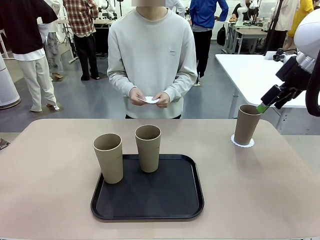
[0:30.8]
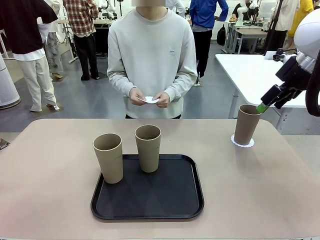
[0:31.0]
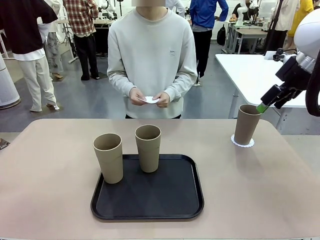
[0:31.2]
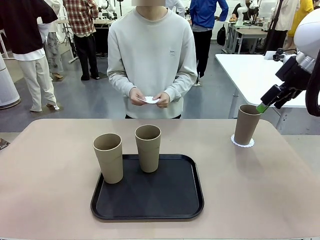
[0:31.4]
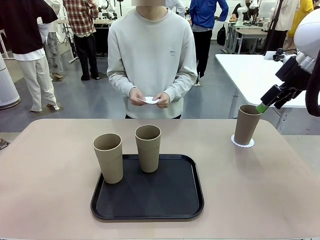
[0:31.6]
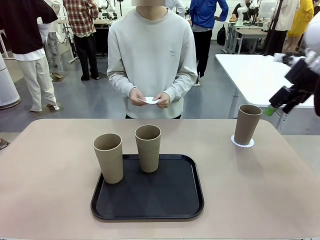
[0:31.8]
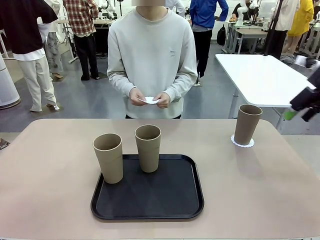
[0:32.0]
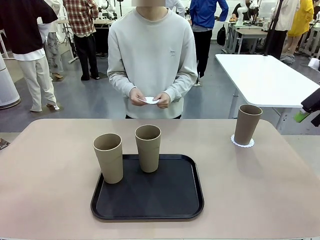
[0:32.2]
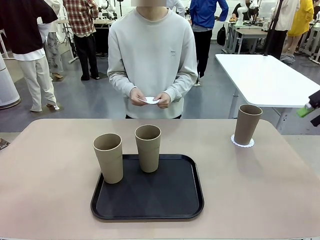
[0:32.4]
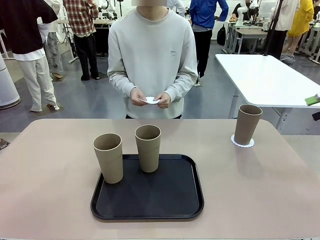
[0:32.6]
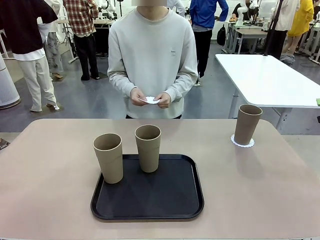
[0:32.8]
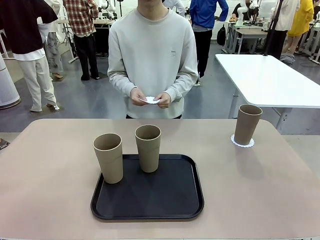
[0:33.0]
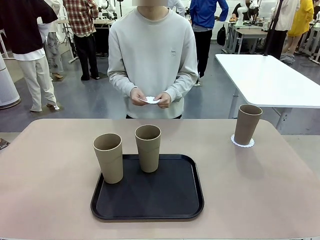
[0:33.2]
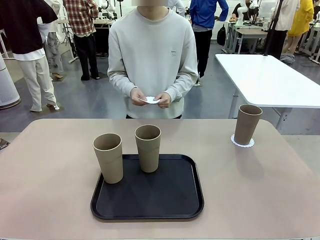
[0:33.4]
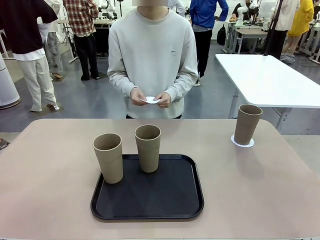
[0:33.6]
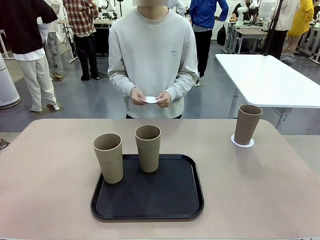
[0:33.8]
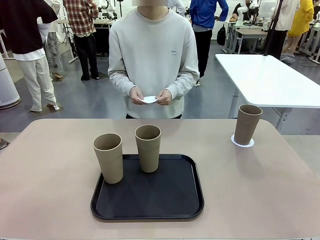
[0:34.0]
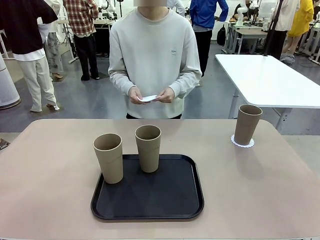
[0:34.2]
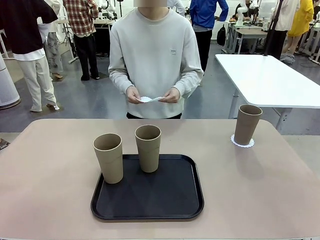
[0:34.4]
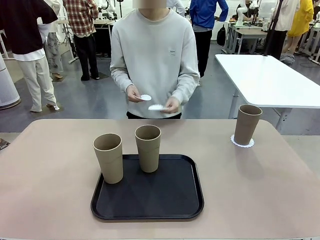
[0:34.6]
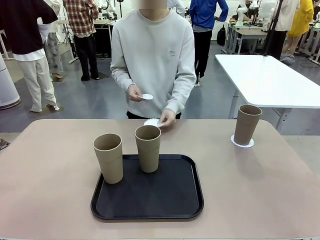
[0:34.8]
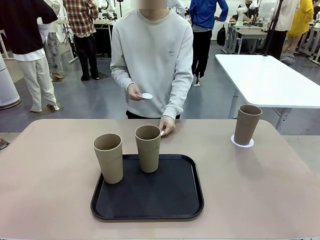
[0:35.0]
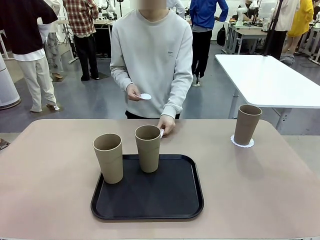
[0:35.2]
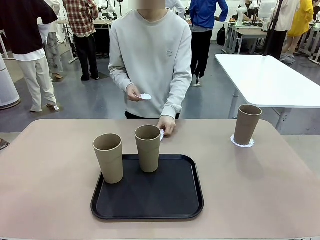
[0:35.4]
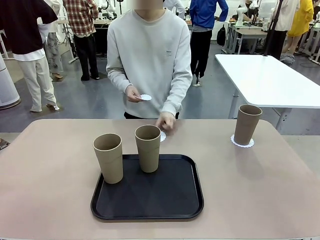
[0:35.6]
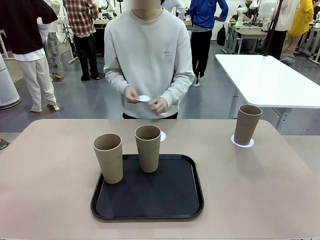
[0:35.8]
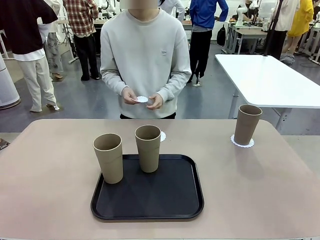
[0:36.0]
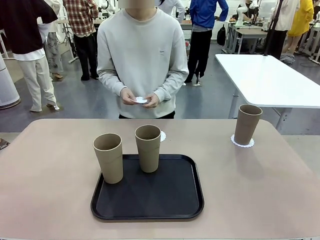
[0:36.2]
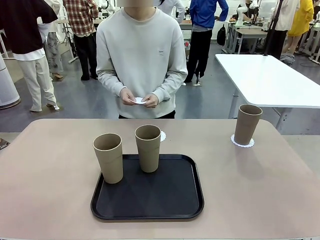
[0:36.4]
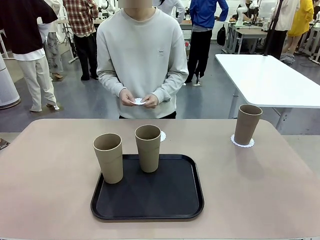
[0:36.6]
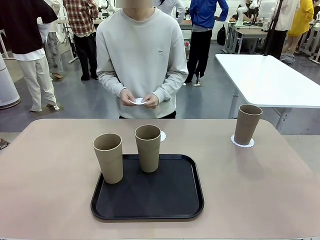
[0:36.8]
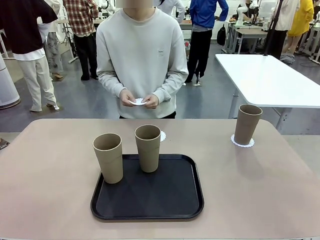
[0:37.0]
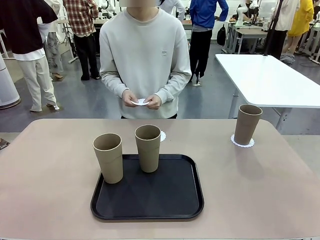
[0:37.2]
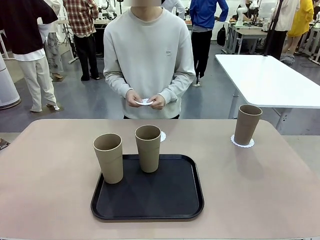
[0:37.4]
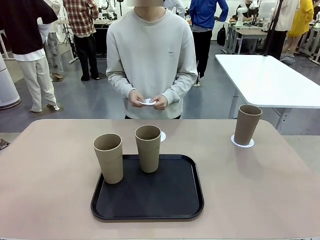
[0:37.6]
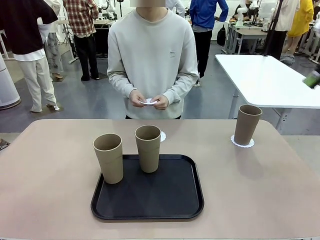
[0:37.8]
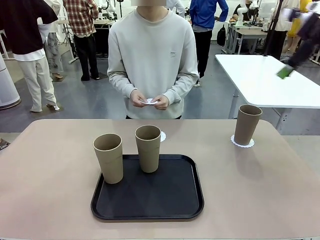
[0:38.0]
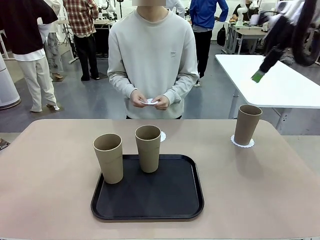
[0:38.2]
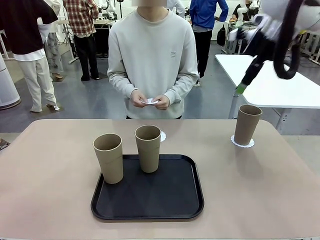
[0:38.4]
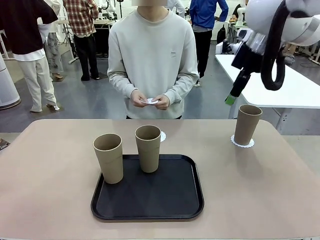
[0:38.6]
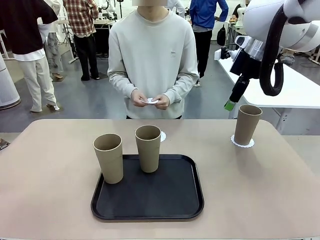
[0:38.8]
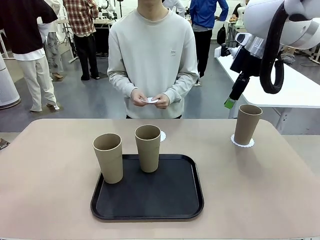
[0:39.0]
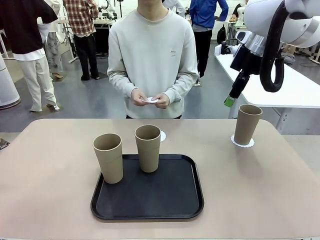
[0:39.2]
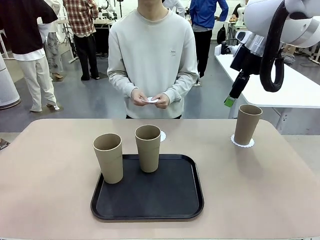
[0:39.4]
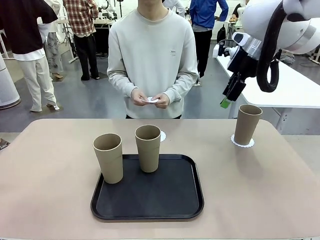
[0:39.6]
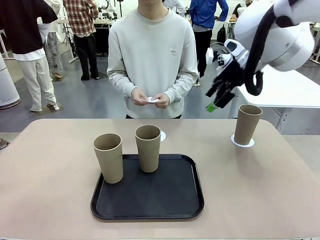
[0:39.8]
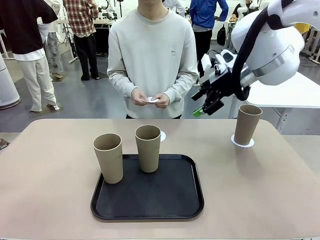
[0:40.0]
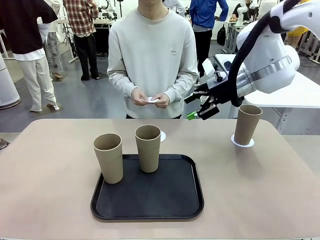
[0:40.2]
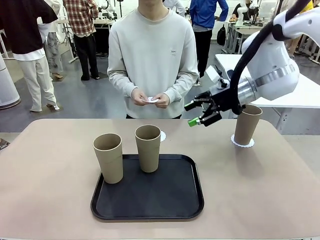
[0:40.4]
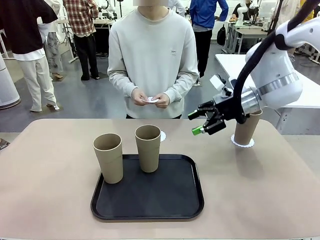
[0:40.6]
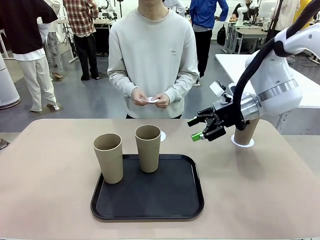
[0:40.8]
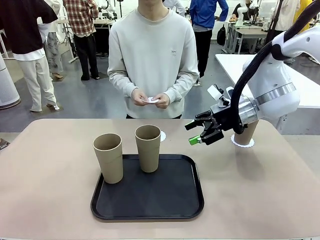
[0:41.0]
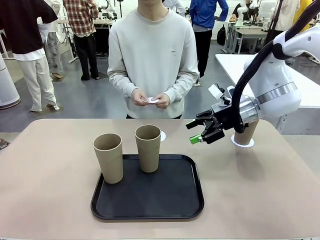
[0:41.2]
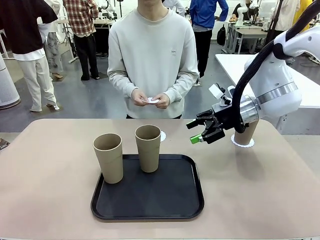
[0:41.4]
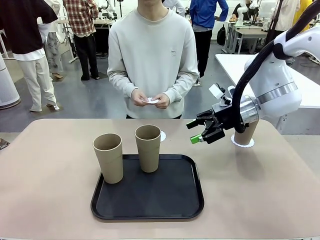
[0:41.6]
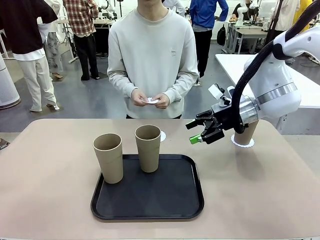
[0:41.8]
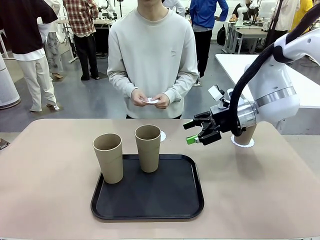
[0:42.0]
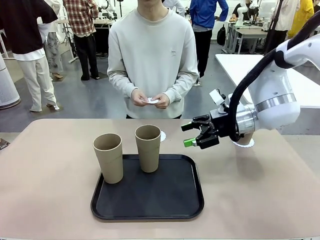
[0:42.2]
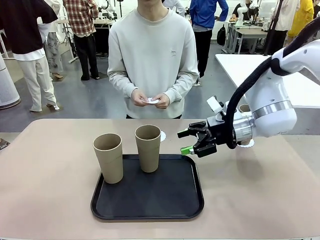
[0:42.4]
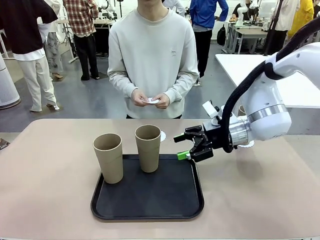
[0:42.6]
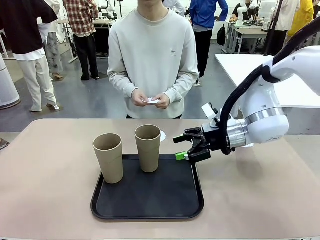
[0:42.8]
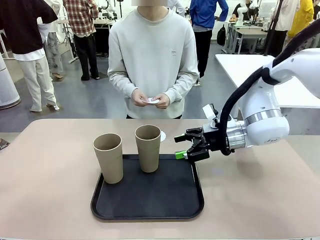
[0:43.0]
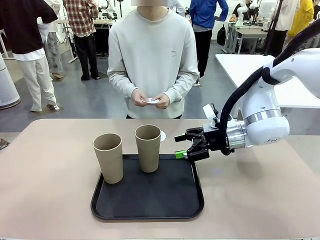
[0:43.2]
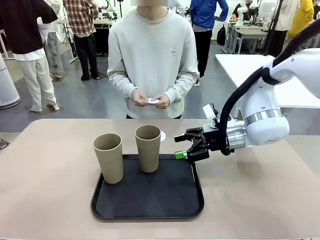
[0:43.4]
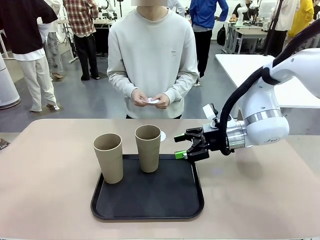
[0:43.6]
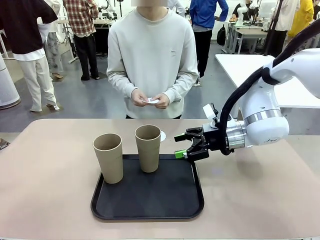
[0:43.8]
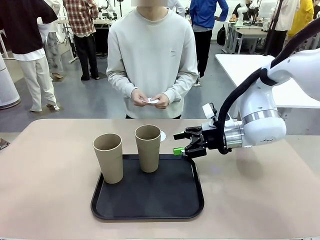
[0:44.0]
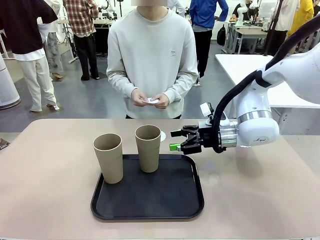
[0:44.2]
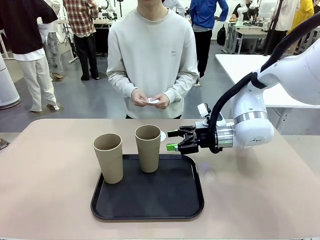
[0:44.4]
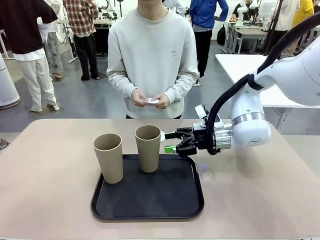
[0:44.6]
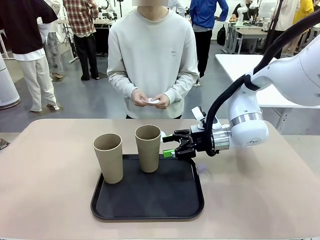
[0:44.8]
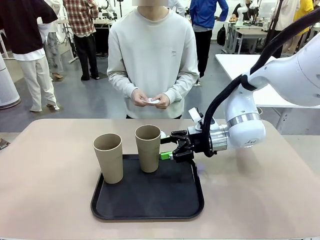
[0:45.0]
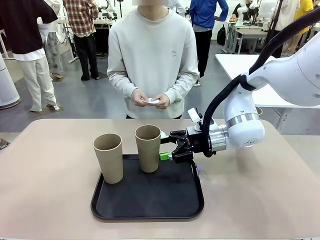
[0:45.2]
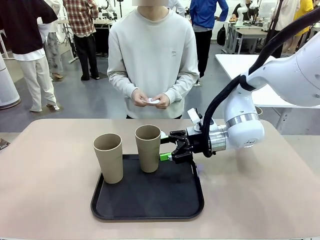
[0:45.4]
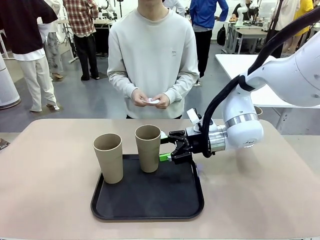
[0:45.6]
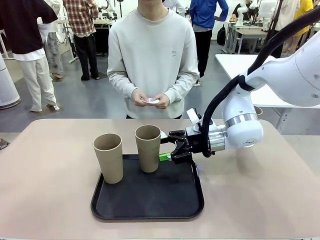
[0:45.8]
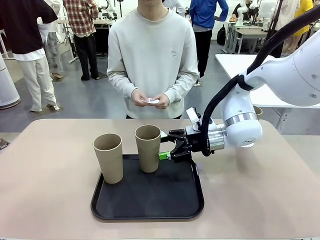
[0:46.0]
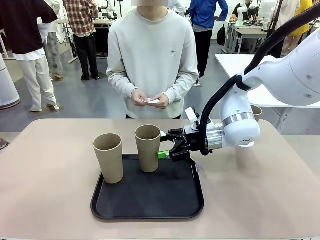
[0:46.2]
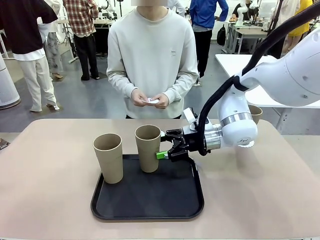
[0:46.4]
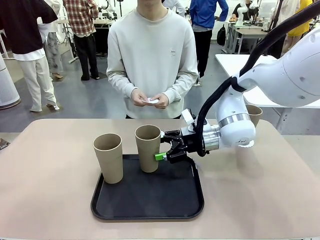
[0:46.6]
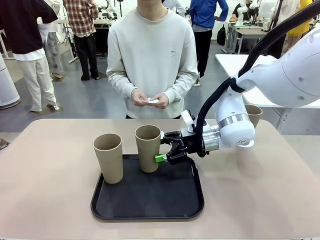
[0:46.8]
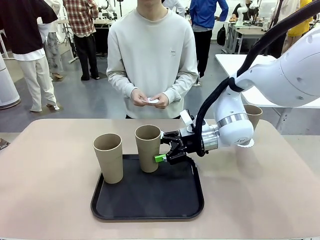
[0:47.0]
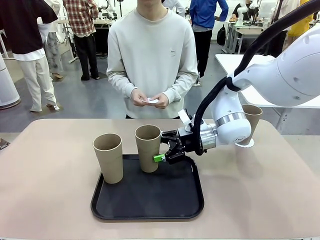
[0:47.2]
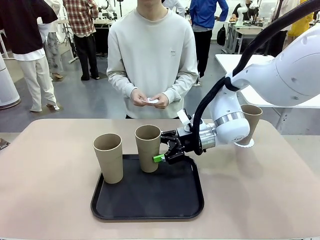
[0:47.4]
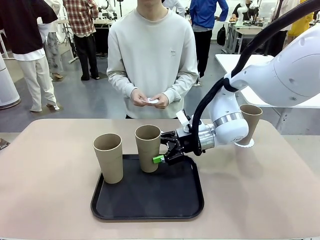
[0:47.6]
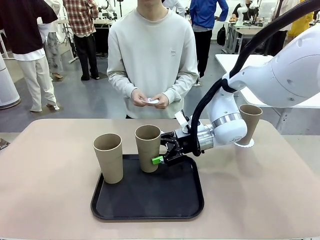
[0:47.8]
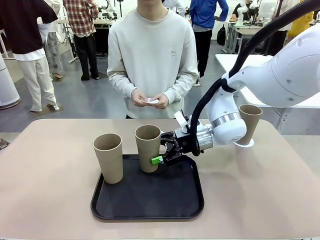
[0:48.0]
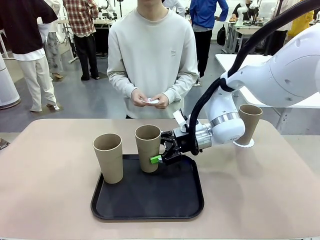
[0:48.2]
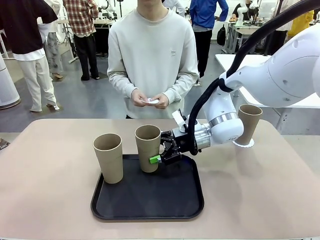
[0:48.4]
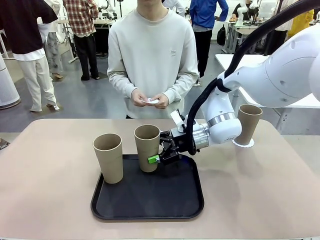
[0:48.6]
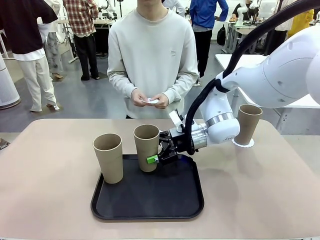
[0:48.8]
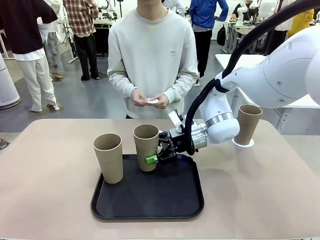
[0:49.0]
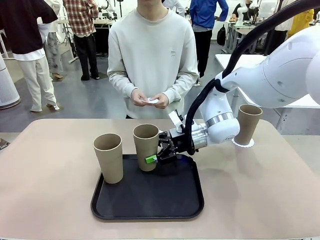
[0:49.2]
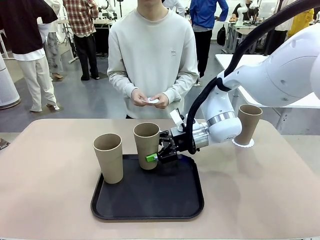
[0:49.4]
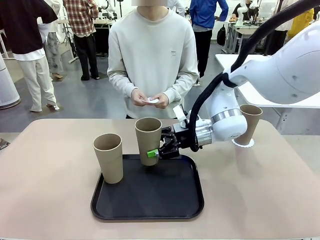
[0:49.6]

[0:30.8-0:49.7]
Task: Place coasters on the table and set cups on them.
Robot: Take one Reusable plastic cup from the Flat Tray and place it on a coaster set by the human.
